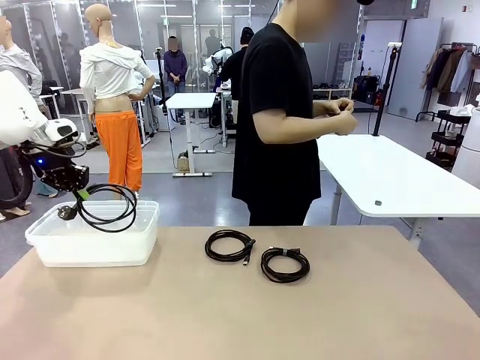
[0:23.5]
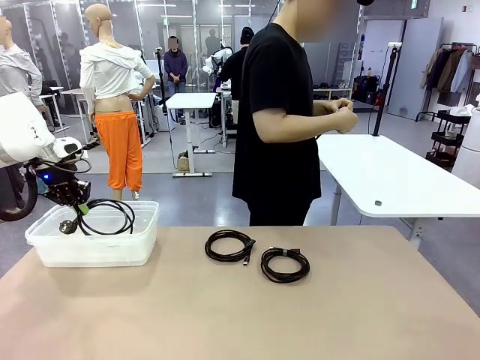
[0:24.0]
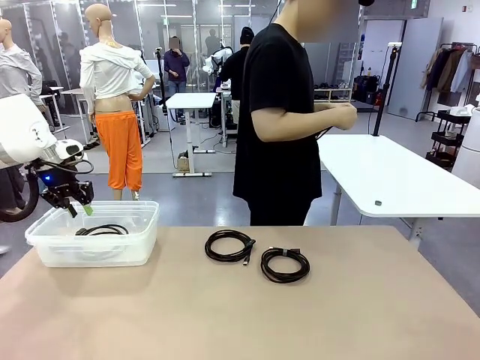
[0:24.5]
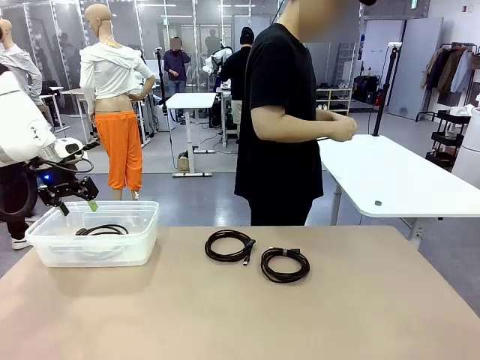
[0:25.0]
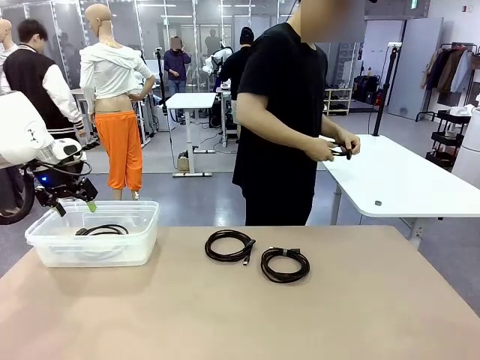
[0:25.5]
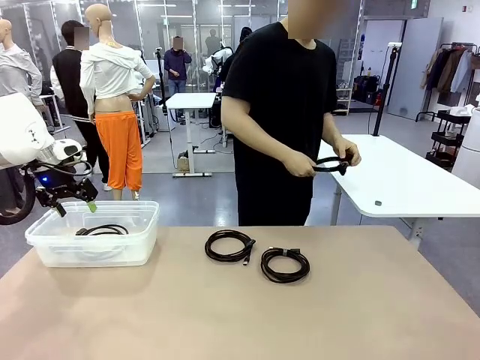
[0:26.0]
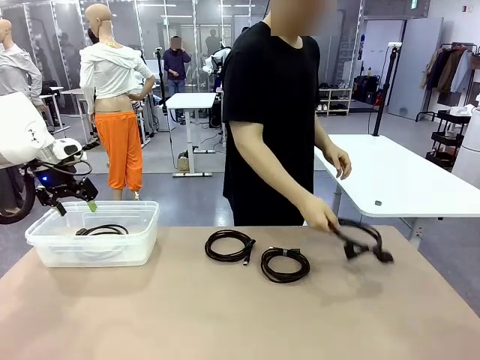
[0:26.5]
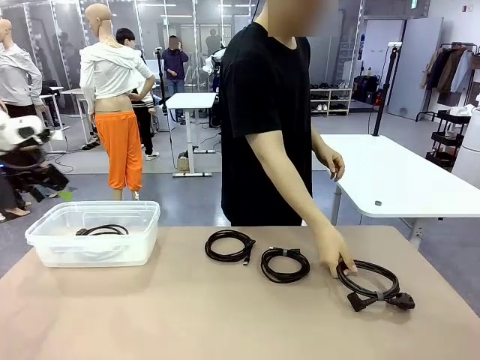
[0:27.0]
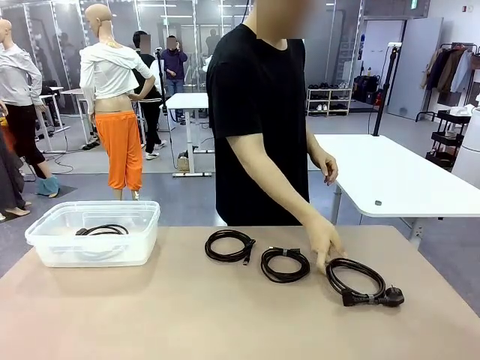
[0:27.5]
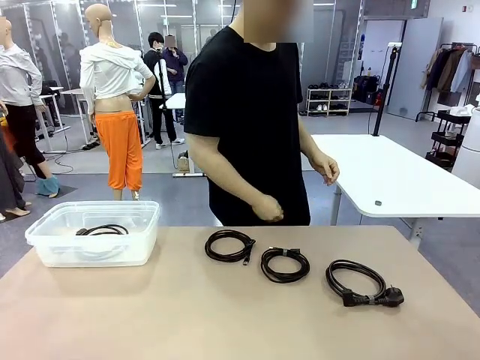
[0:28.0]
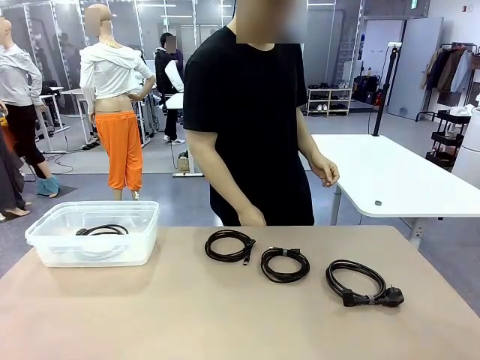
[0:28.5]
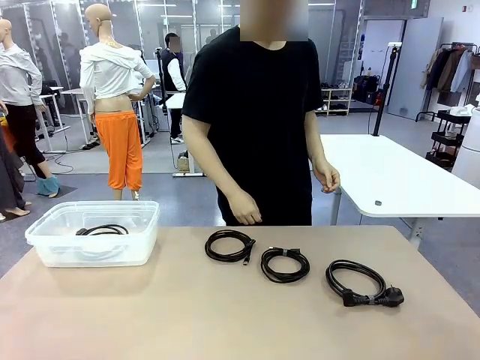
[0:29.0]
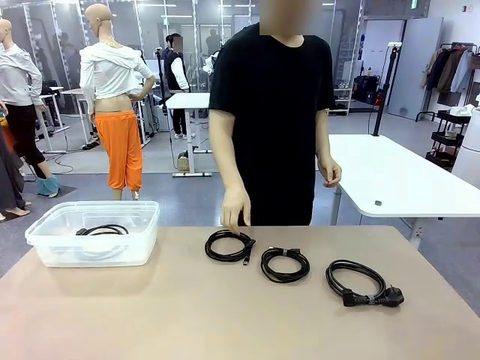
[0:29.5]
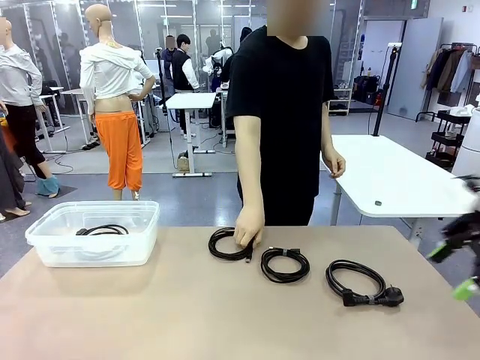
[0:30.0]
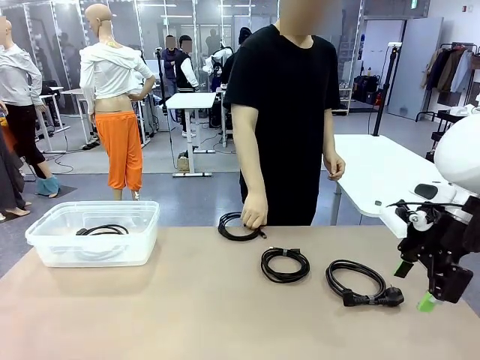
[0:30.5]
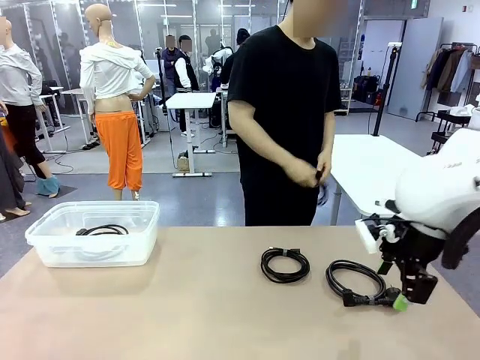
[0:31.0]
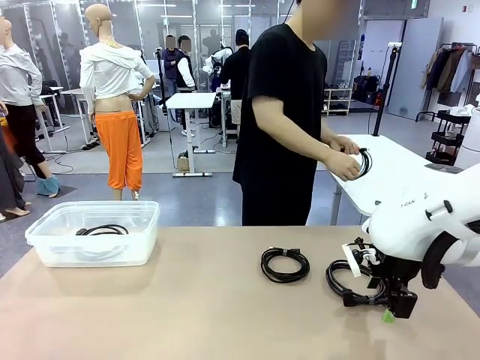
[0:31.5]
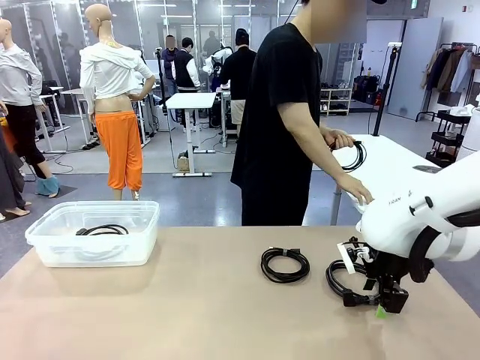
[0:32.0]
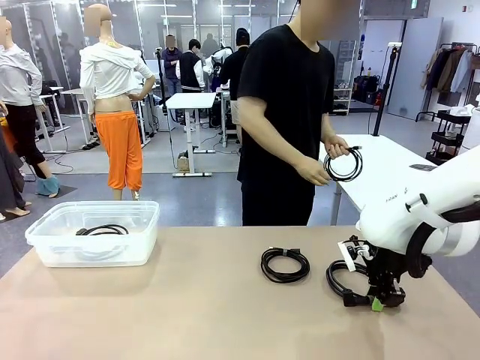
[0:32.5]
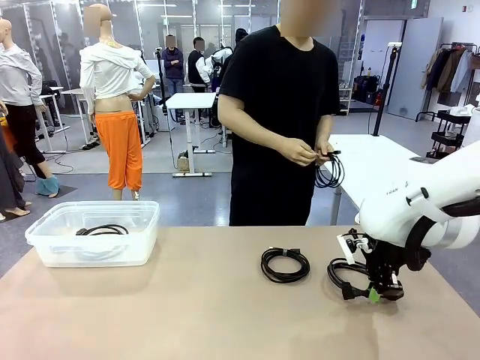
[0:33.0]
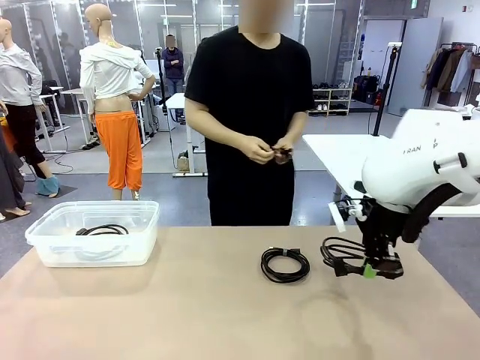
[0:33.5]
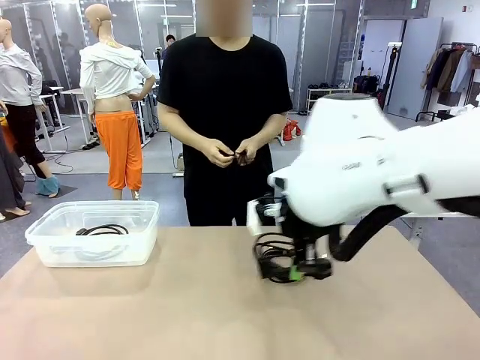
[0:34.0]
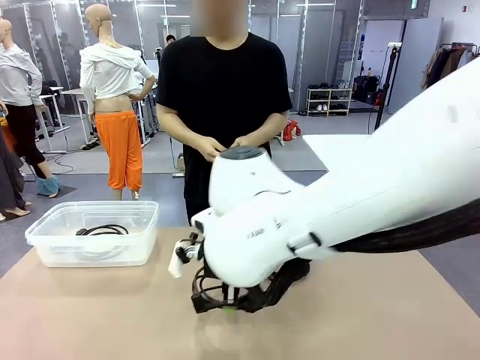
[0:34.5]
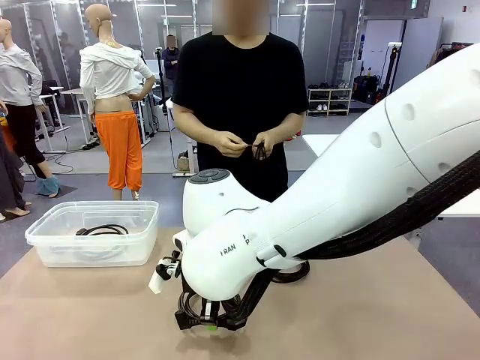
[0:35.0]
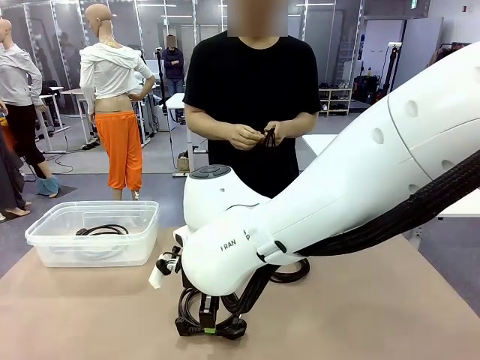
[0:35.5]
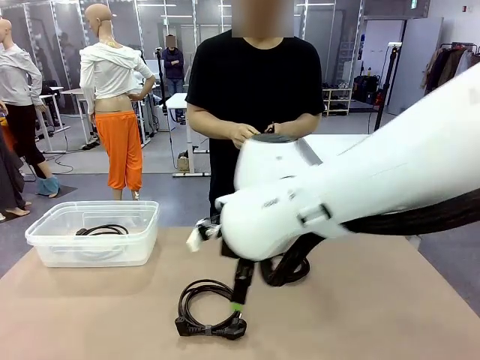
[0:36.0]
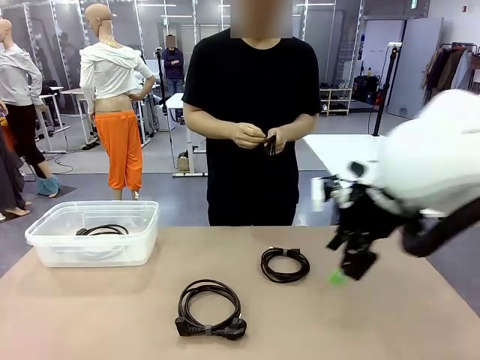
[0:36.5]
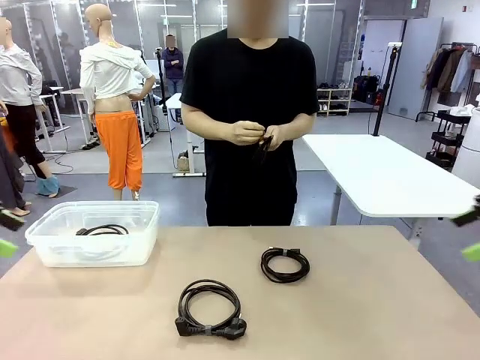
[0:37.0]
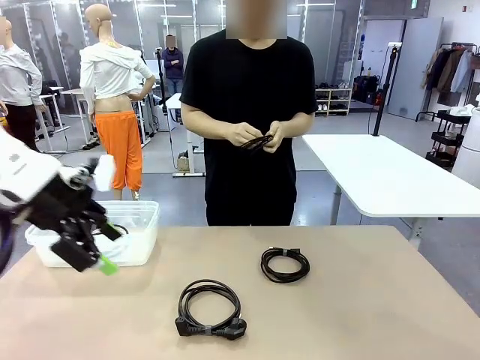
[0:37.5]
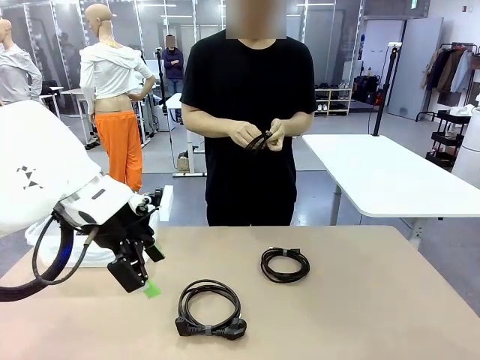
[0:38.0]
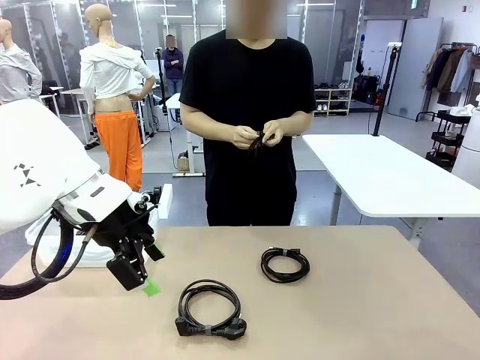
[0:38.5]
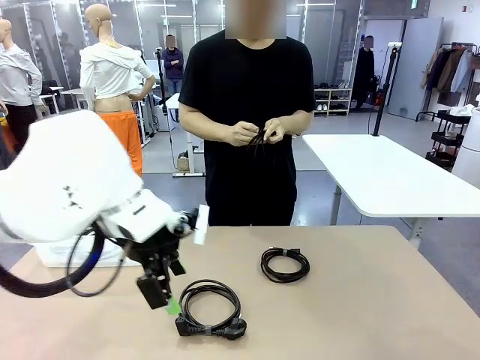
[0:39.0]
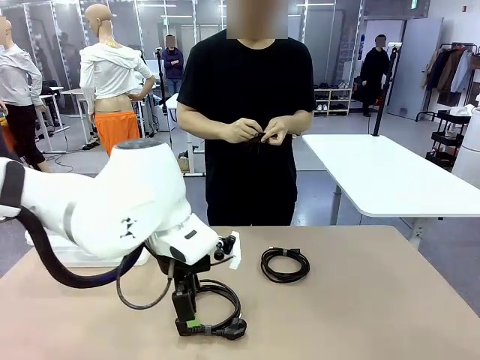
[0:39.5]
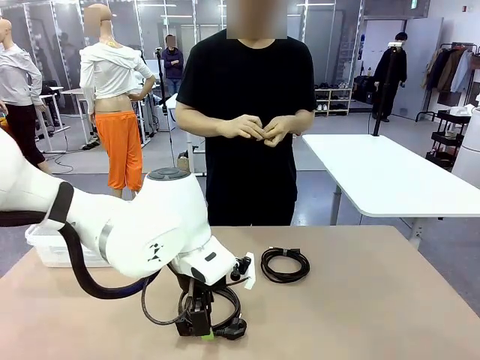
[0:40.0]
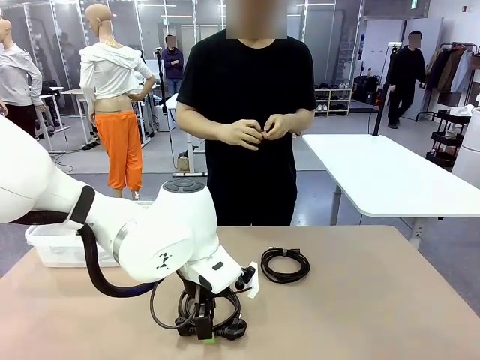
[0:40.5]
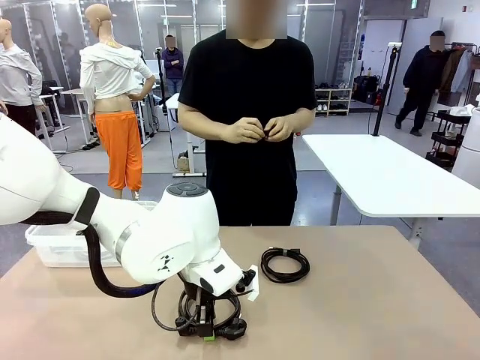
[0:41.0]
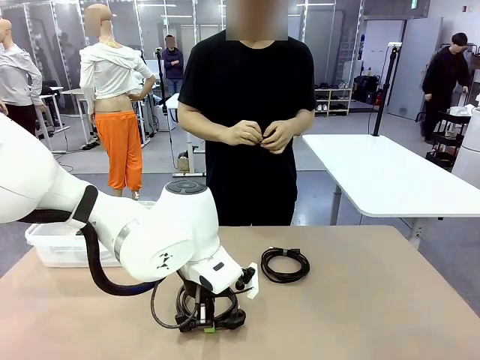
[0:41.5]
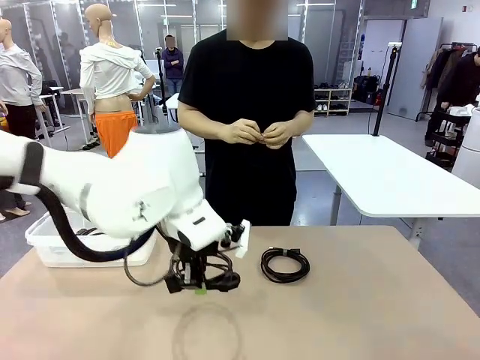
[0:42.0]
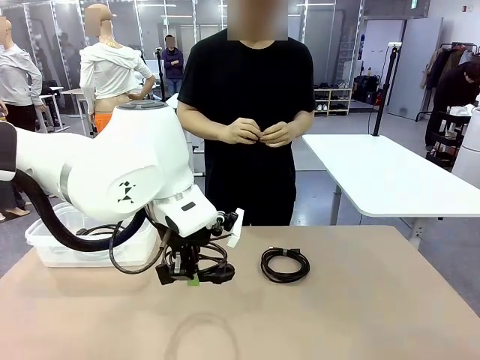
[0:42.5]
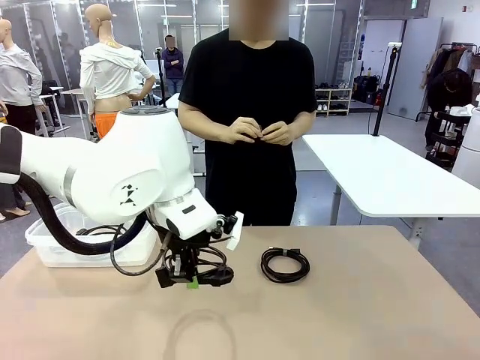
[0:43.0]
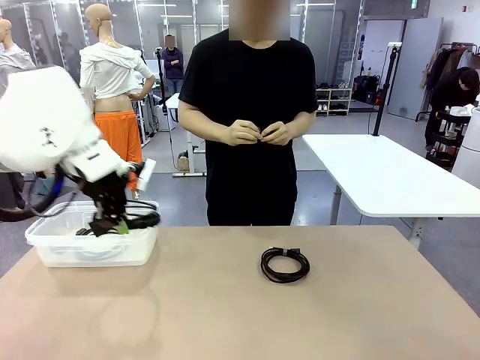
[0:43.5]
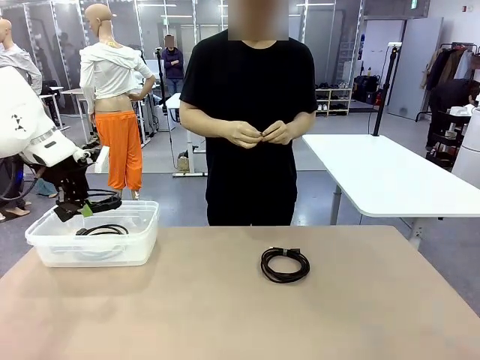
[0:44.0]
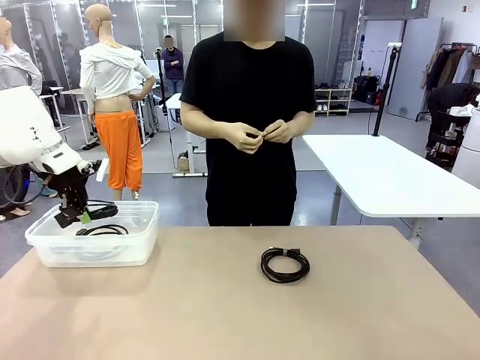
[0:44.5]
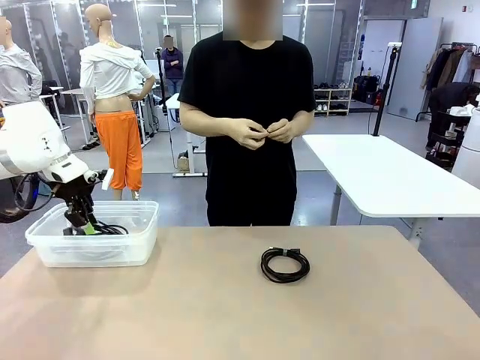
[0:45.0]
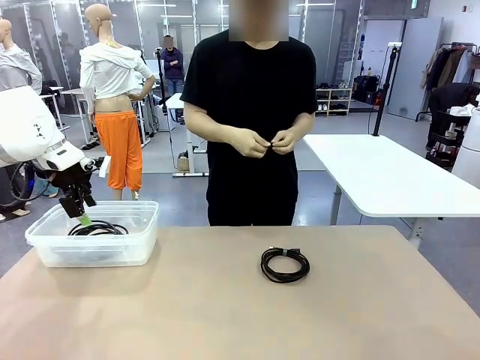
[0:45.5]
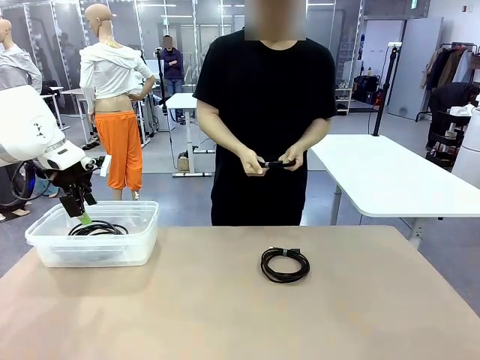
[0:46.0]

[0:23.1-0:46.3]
Task: Organize and store the cables.
Robot: Place the Power Cable into the Organizing box.

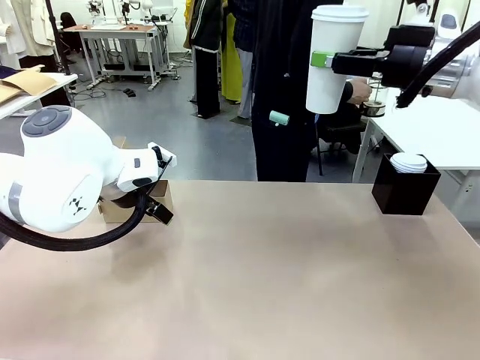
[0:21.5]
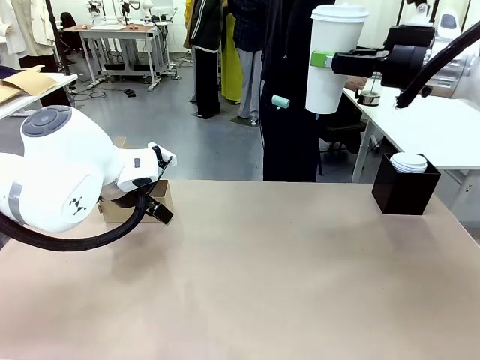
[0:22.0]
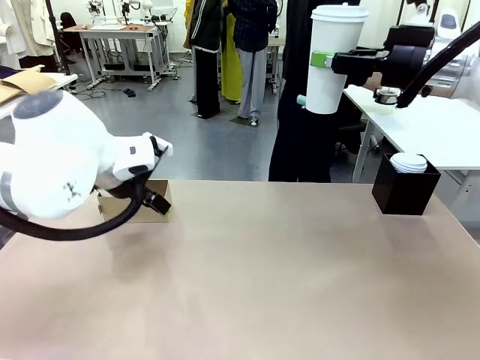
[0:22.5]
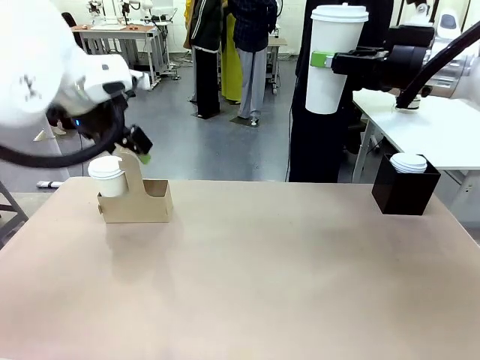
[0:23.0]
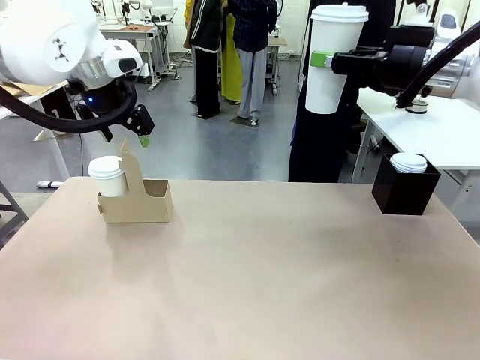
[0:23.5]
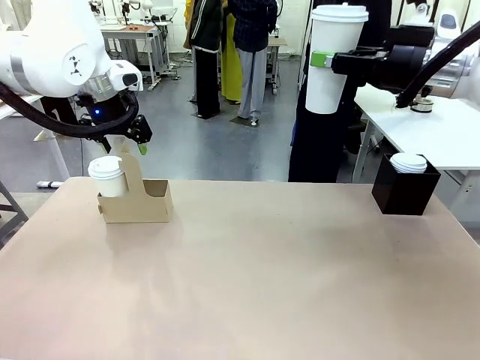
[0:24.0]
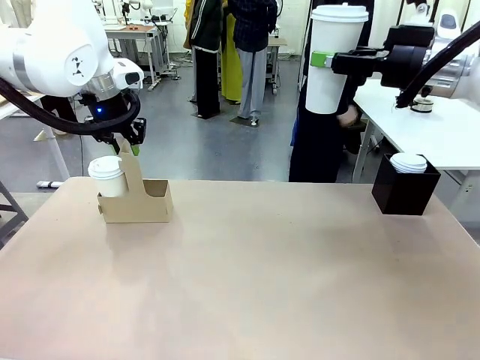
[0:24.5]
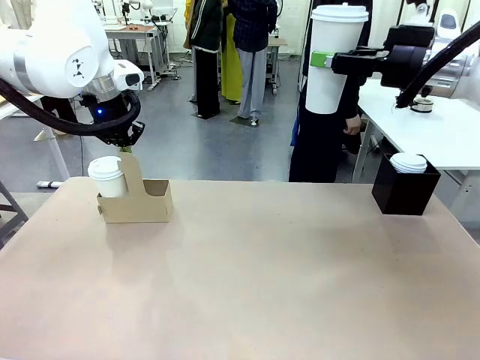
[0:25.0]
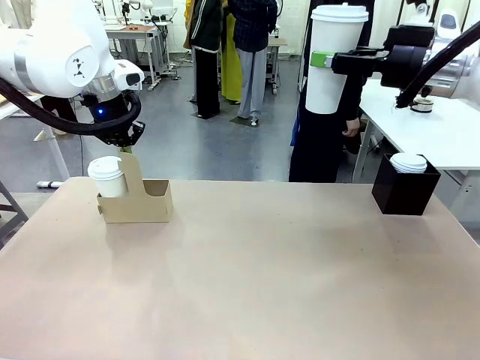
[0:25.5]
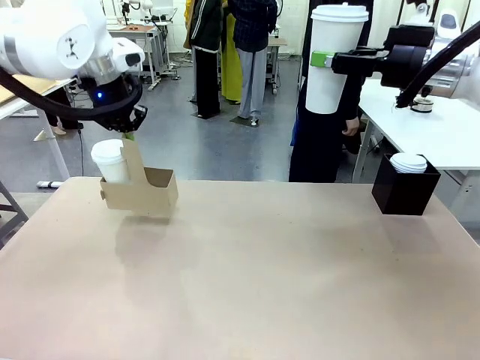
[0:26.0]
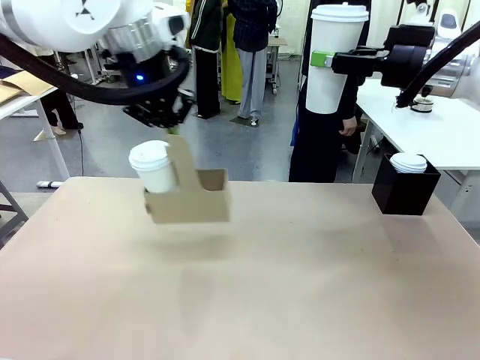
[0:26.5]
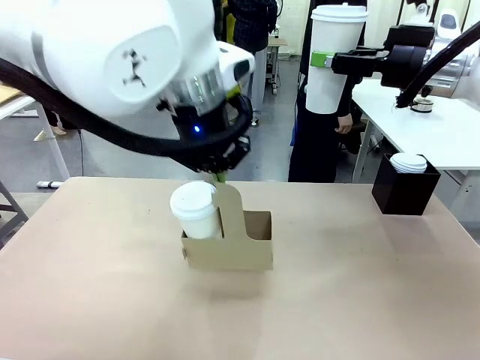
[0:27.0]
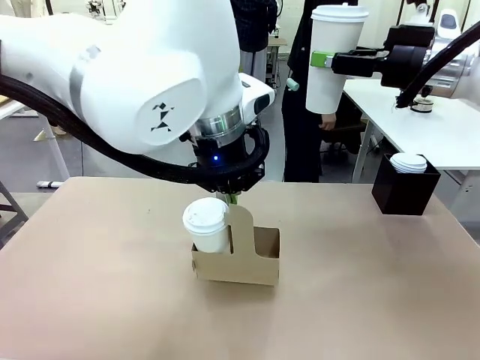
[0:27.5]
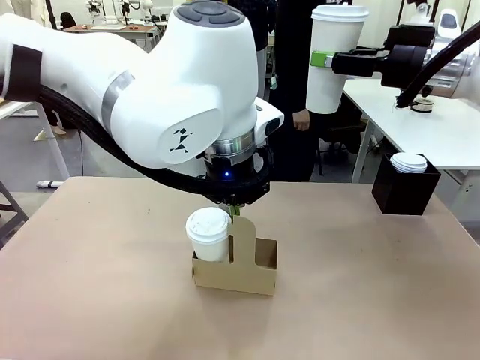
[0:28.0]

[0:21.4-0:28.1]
Task: Pour a drink into a cup and package it in a carrier.
Robot: Position the Cup Carrier in the center of the table.
